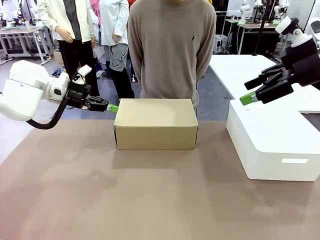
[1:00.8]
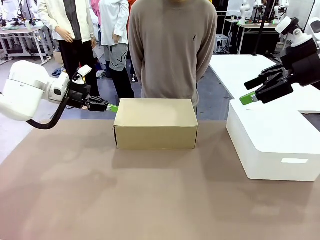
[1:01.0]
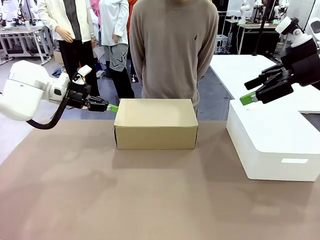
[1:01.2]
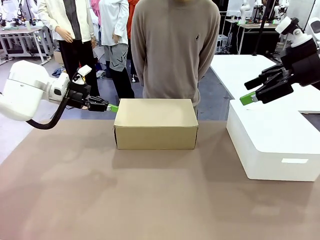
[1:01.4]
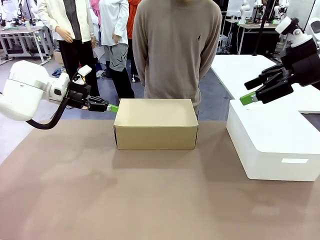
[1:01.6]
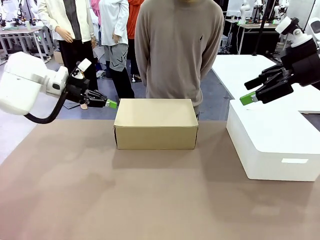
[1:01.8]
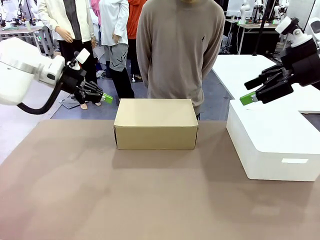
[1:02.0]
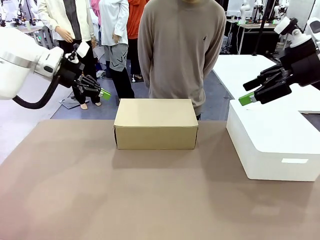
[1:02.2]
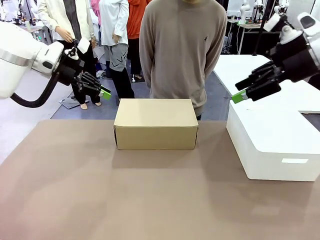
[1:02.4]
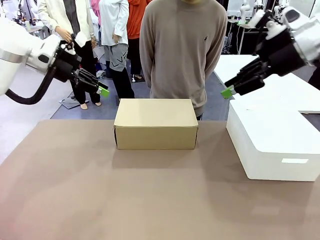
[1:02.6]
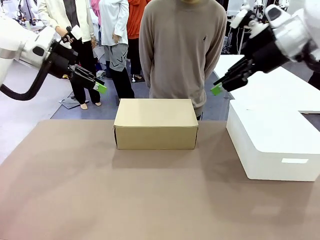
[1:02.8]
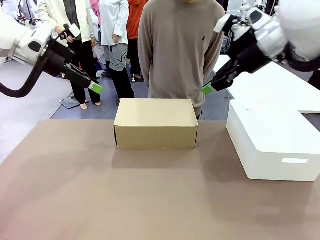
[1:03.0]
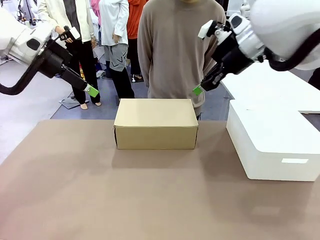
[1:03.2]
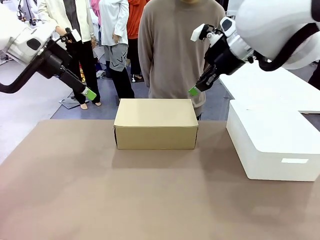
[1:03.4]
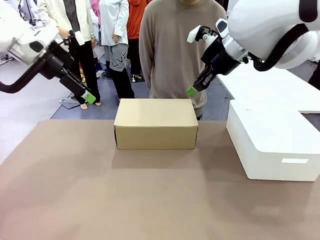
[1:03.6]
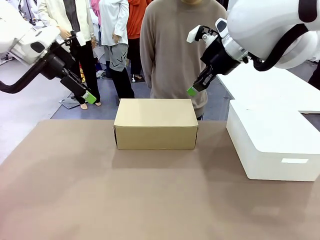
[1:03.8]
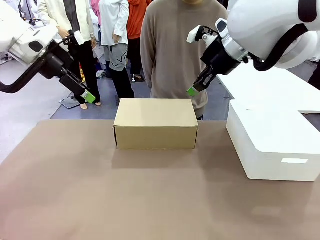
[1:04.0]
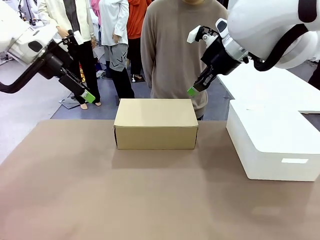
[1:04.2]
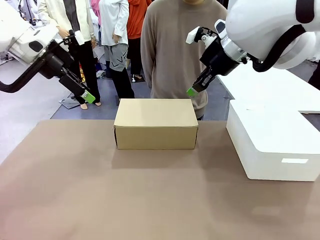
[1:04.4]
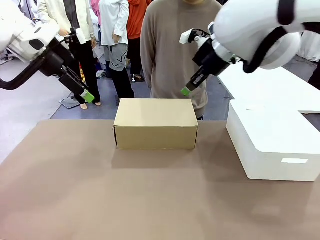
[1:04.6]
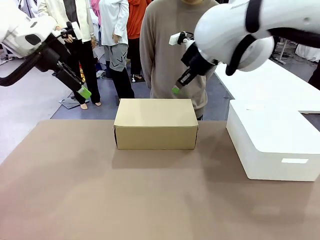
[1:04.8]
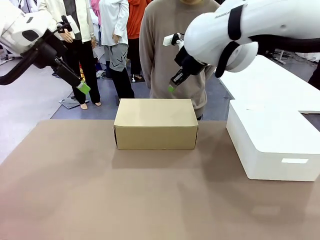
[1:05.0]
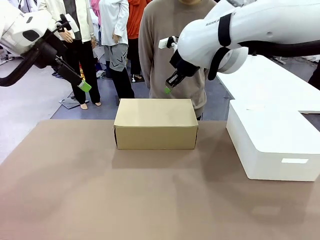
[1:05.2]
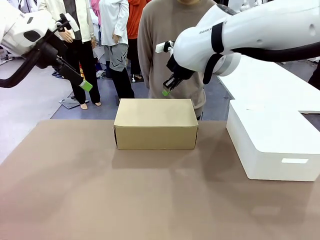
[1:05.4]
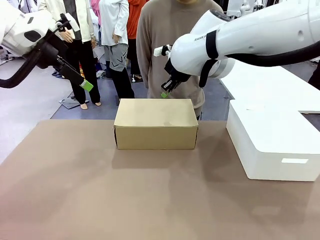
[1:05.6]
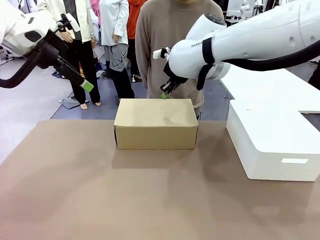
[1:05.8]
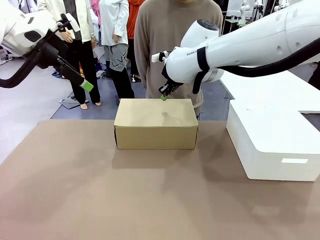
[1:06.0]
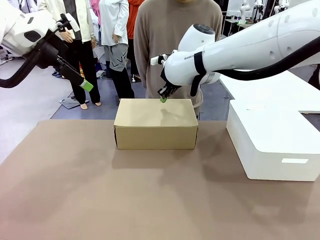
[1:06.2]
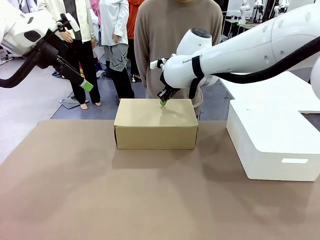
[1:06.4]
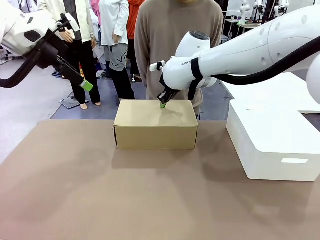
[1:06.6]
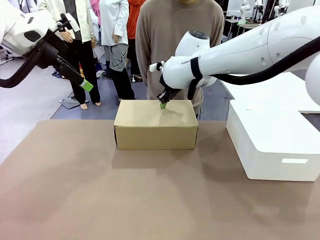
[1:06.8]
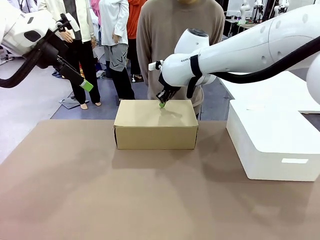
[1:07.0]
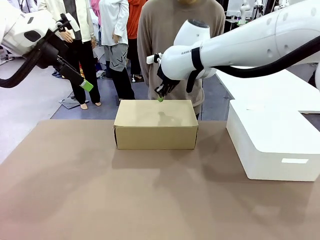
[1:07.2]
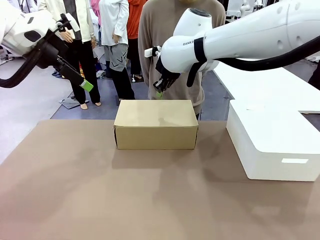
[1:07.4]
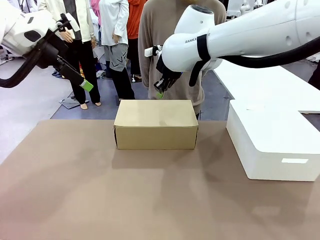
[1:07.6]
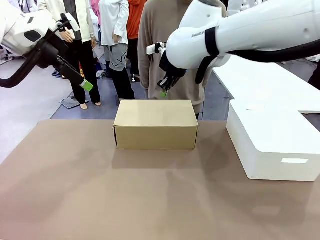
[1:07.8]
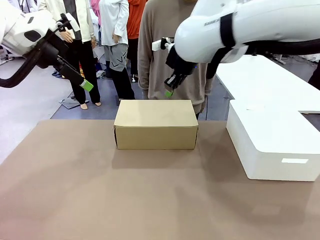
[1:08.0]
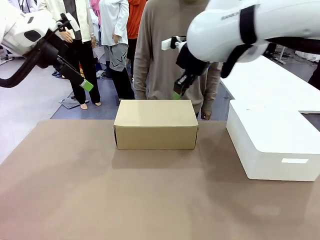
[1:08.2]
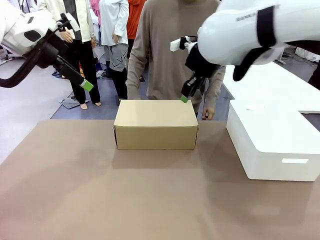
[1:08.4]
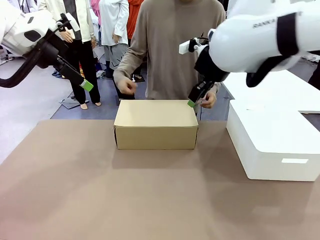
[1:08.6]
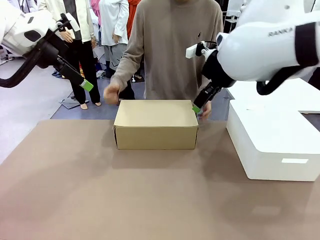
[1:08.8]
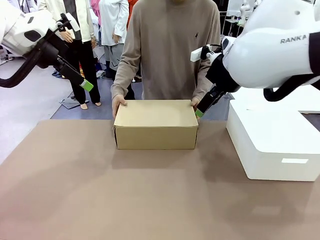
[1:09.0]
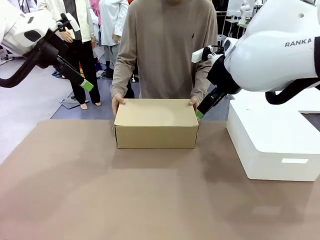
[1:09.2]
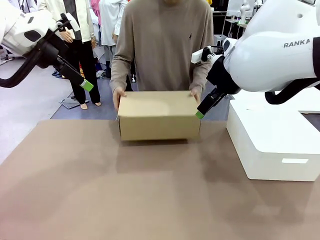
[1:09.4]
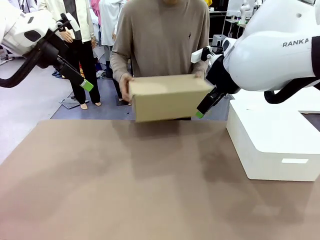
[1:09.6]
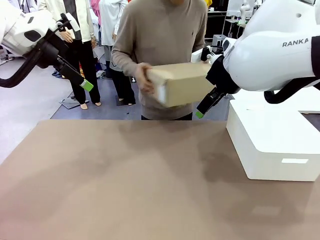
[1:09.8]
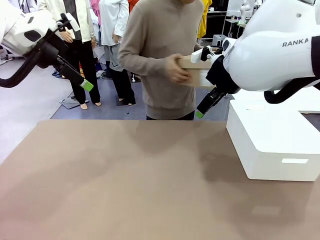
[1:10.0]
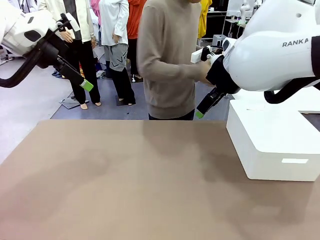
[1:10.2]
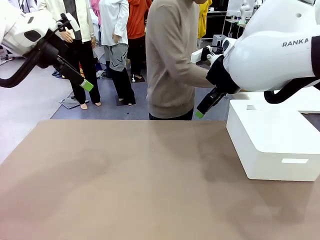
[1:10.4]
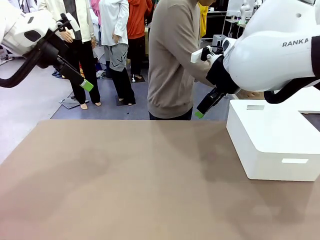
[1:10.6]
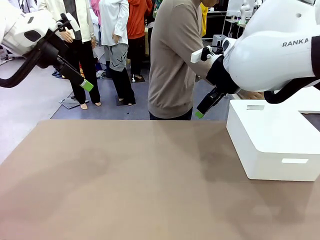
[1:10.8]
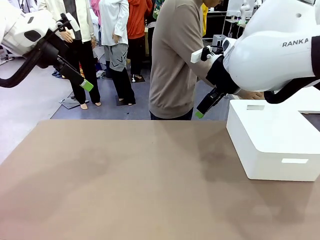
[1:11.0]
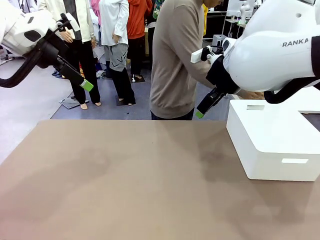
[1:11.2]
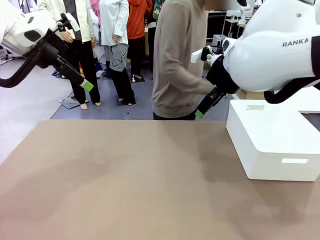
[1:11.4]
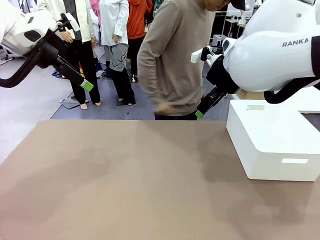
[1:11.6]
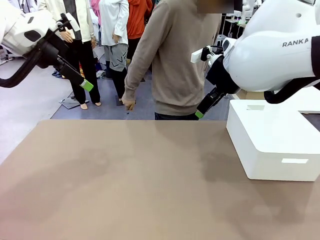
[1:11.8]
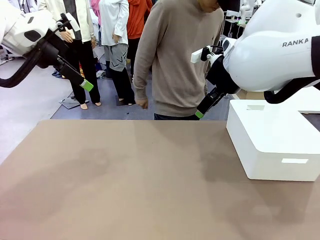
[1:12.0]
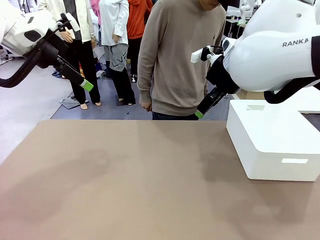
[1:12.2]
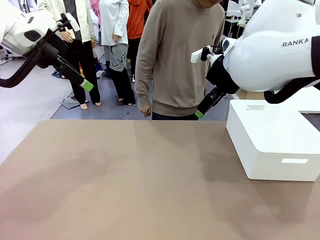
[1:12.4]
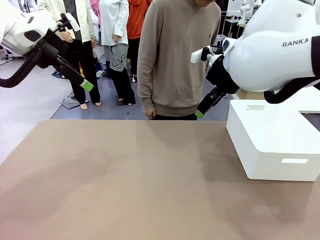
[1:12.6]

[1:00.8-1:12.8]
Task: Pack the shoes into the box.
Robot: Press down on the lid of the Shoes Box.
Person: Place the closed Shoes Box to the right side of the human table.

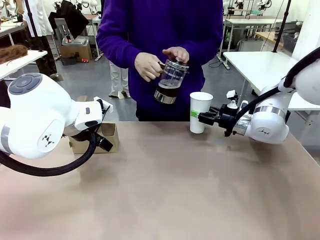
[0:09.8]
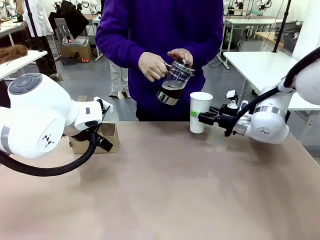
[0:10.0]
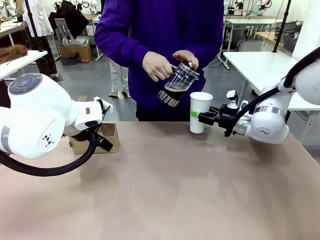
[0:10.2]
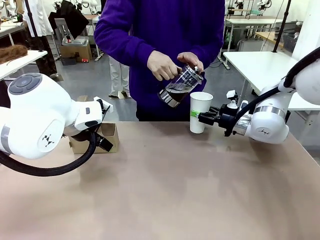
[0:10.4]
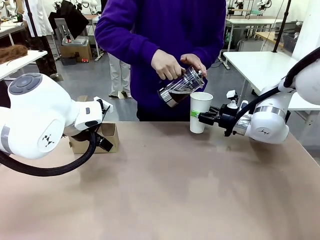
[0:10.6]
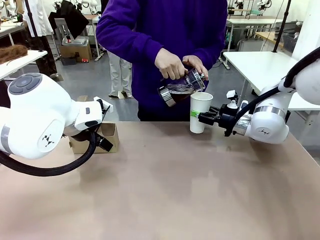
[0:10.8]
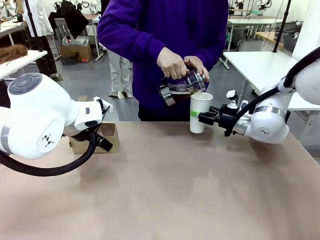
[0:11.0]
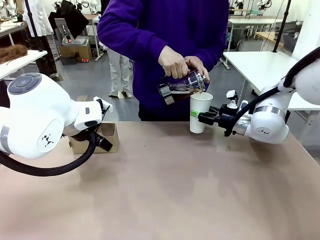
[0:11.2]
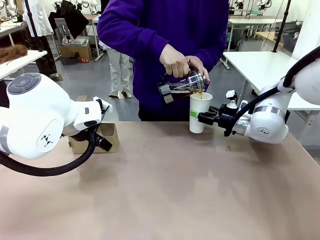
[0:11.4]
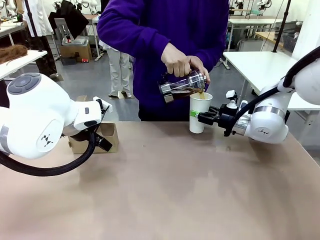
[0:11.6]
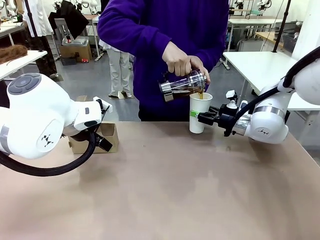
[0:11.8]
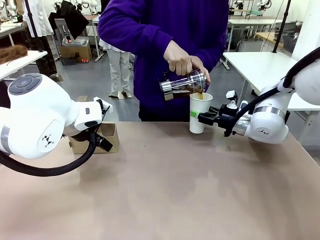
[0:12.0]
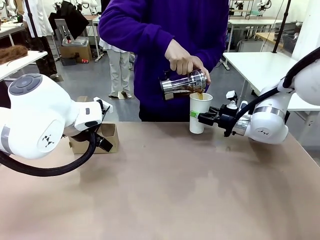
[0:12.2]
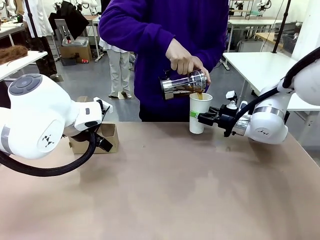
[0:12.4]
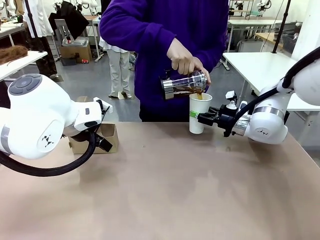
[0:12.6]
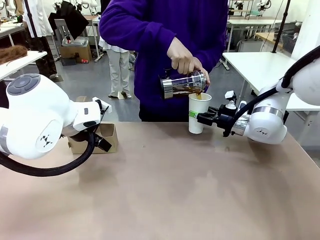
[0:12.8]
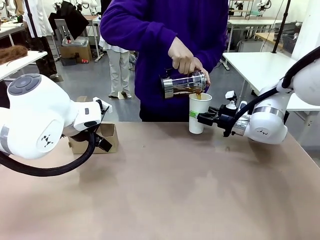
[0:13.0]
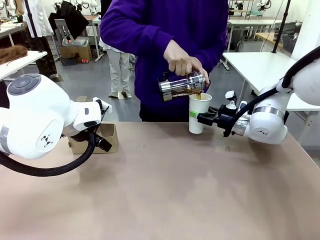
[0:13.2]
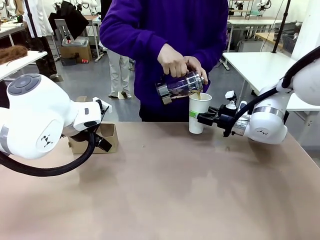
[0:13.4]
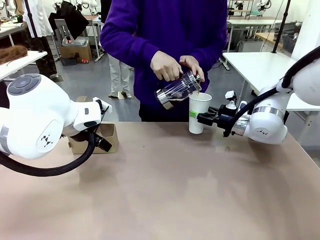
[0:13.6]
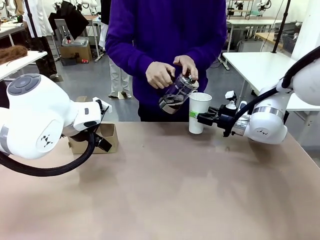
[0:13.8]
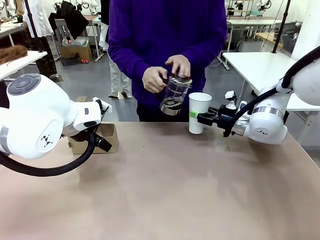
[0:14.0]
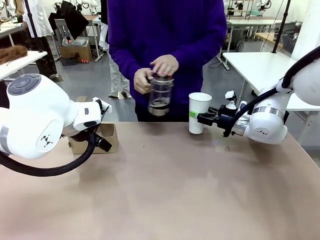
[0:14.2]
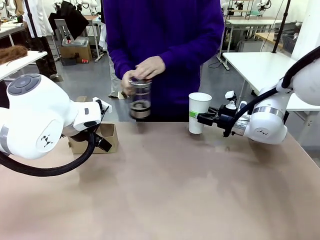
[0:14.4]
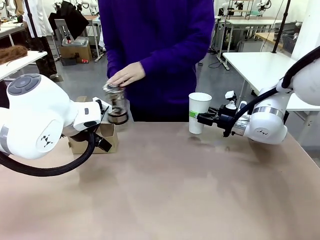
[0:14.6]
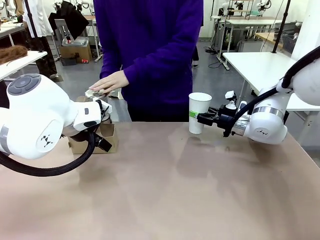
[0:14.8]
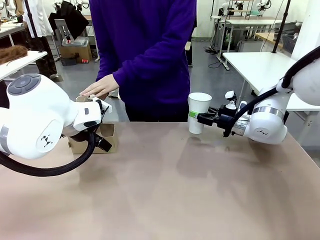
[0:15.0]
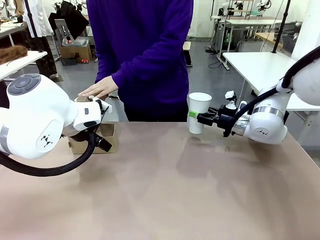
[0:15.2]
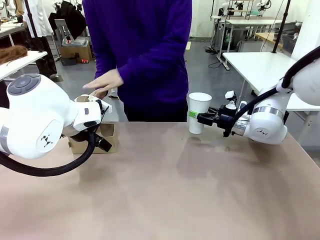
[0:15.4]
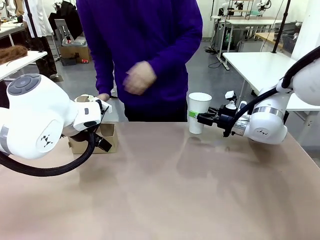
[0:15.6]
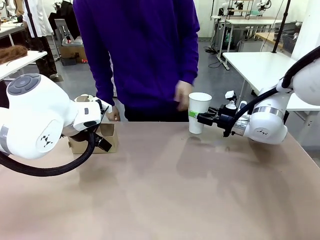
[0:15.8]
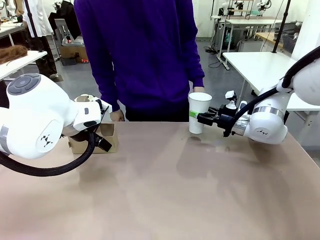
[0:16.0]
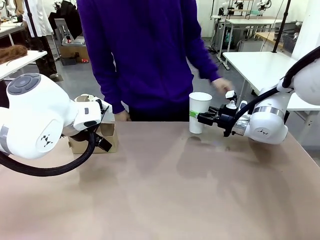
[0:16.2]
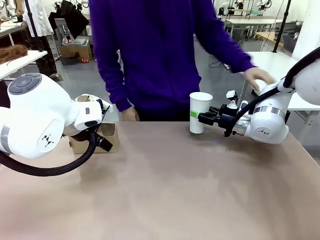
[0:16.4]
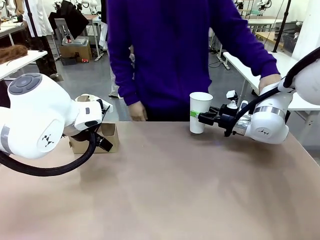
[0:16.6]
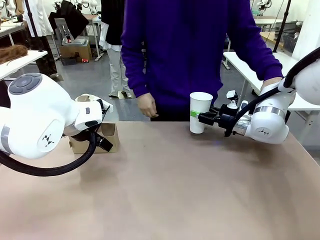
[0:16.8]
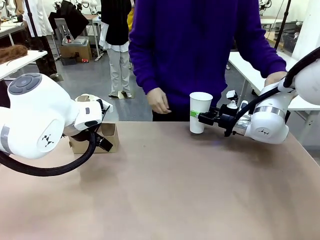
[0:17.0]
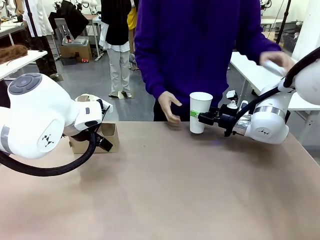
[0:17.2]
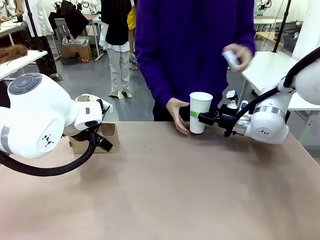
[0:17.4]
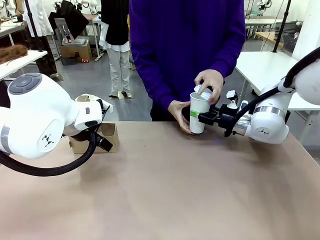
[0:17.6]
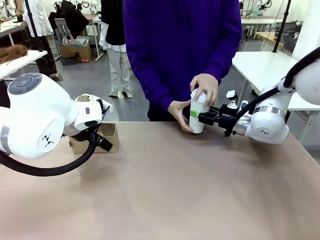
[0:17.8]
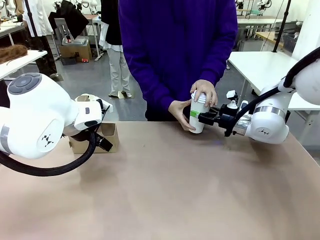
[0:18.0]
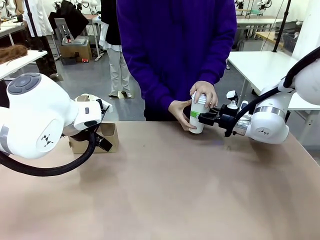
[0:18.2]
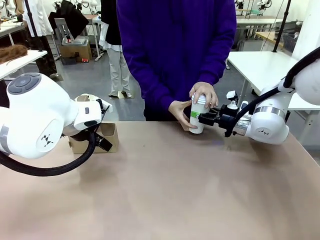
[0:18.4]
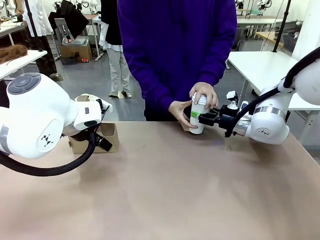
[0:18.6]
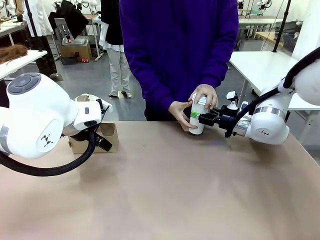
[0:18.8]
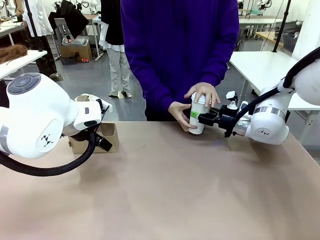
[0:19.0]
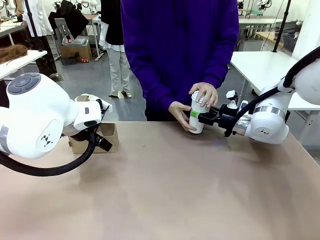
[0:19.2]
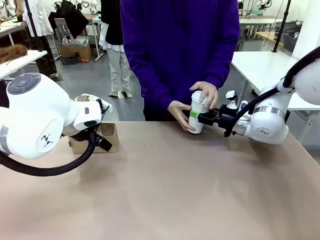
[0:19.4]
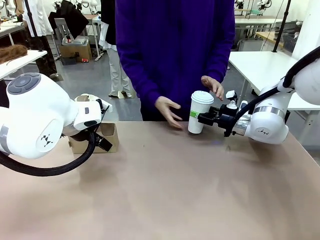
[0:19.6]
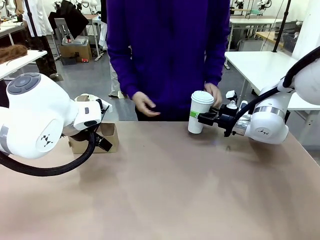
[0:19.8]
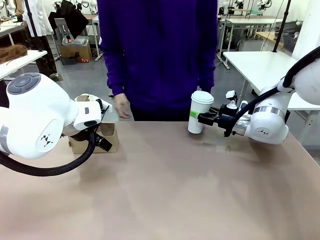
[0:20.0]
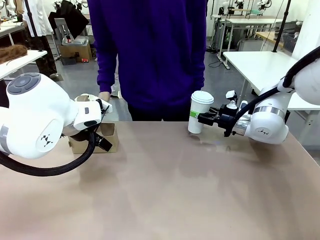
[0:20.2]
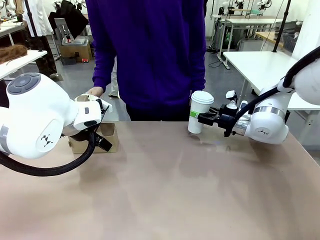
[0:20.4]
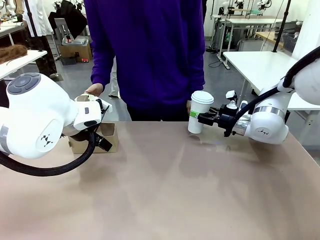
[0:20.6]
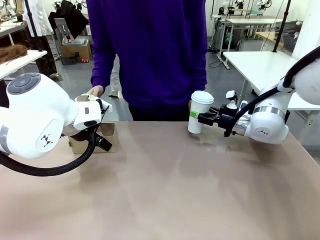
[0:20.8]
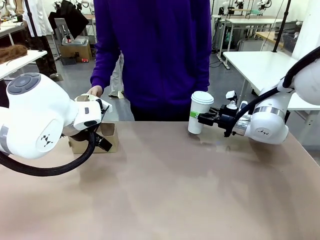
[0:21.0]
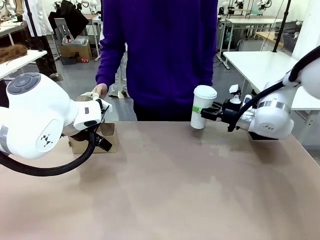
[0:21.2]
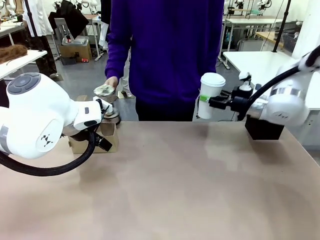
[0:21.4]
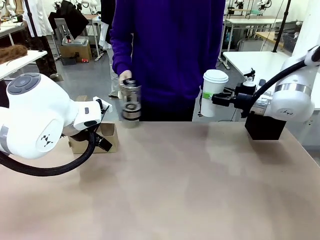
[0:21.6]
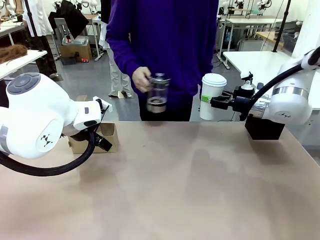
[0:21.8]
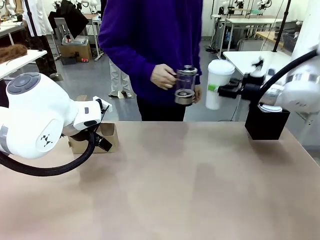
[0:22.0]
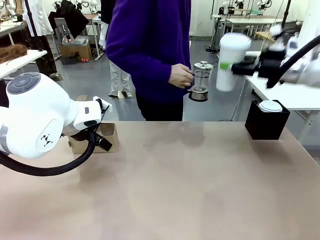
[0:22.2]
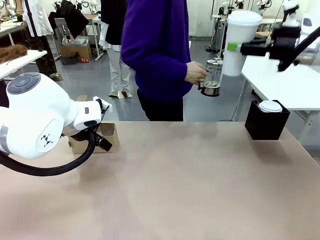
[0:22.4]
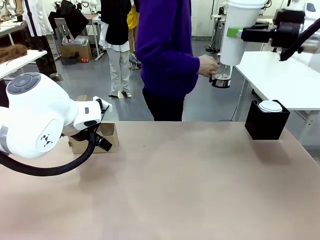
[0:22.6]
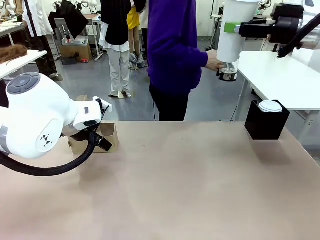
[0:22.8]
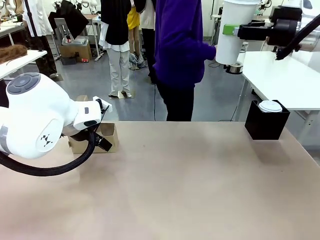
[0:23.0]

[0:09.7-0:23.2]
Task: Pour a drink into a cup and package it in a carrier.
Robot: When a person places the Paper Cup Lid on the 600 ml Paper Cup , lift the 600 ml Paper Cup.
Person: Pour the drink from the Filter Brewing into the 600 ml Paper Cup. Place a Paper Cup Lid on the 600 ml Paper Cup.
